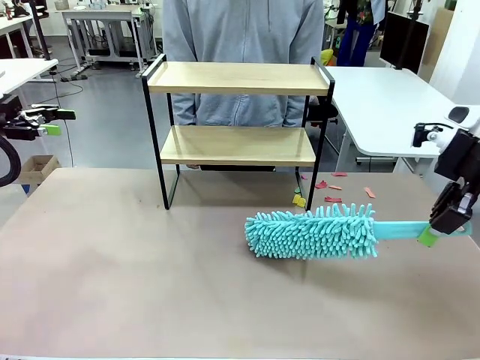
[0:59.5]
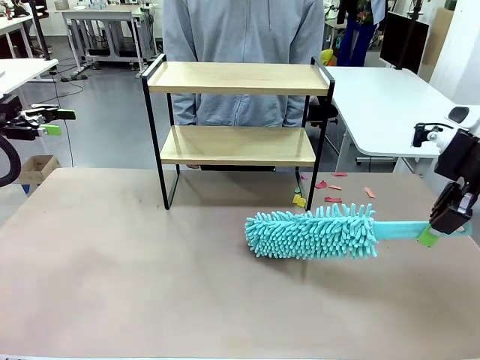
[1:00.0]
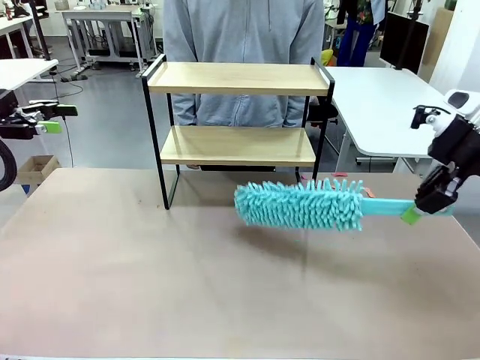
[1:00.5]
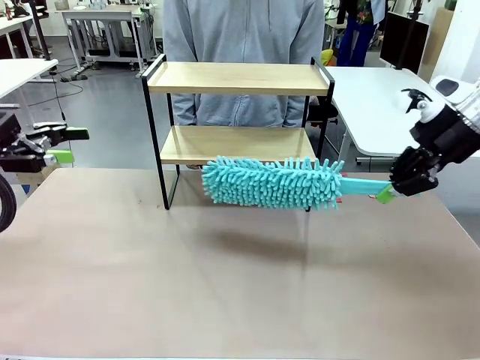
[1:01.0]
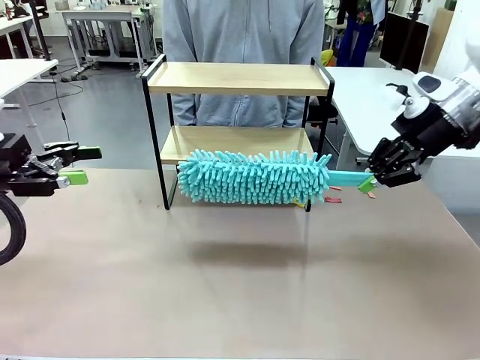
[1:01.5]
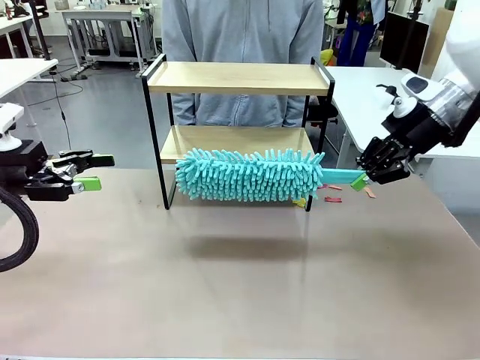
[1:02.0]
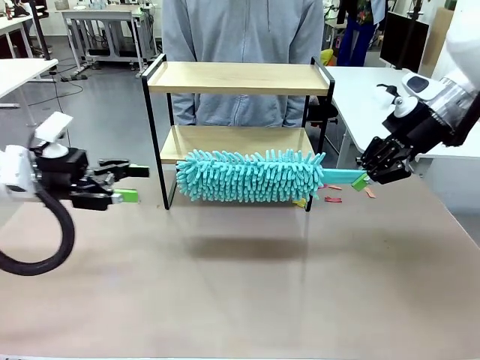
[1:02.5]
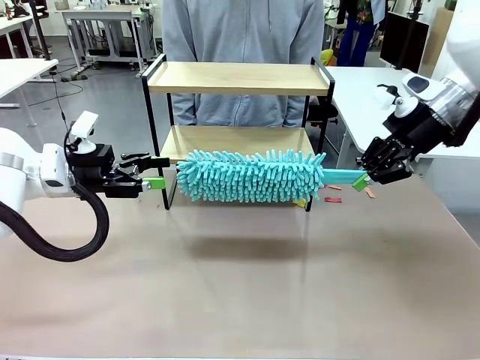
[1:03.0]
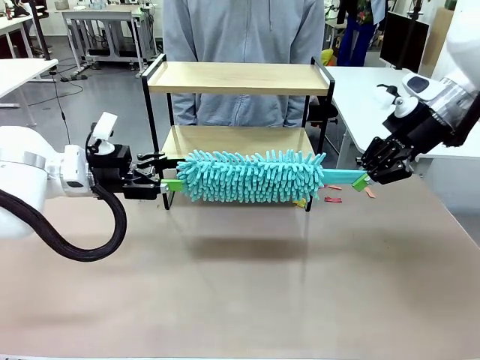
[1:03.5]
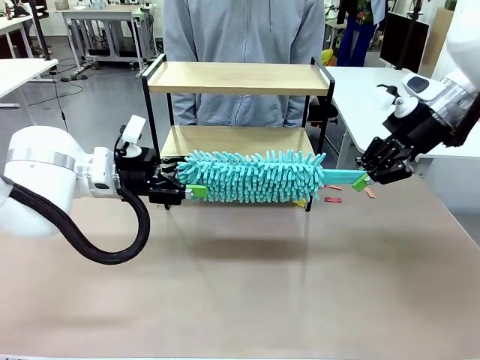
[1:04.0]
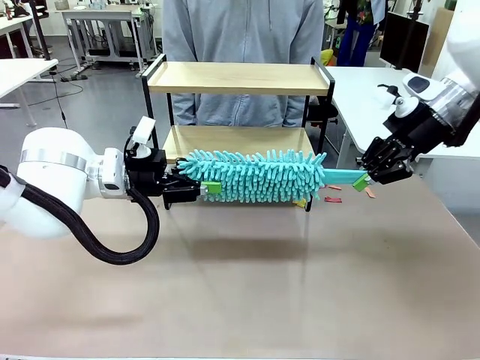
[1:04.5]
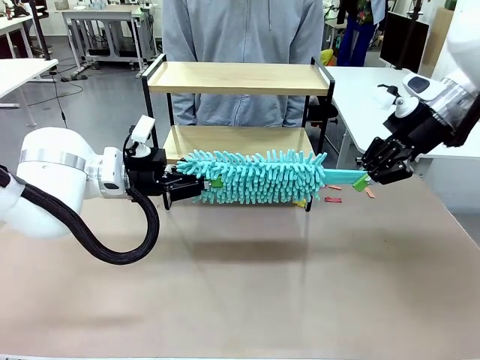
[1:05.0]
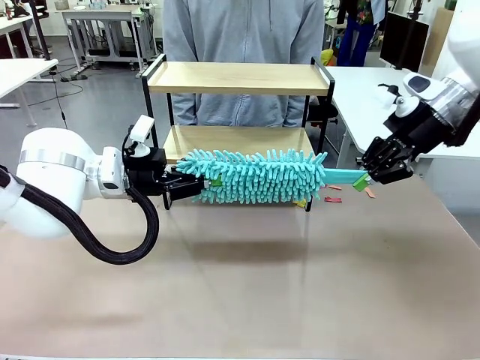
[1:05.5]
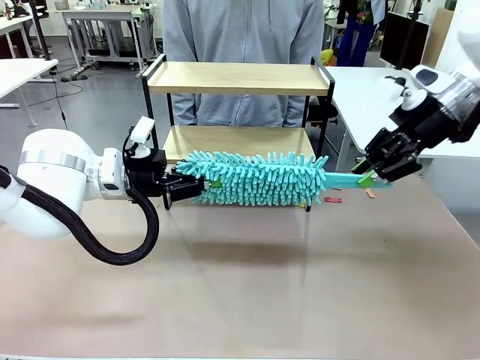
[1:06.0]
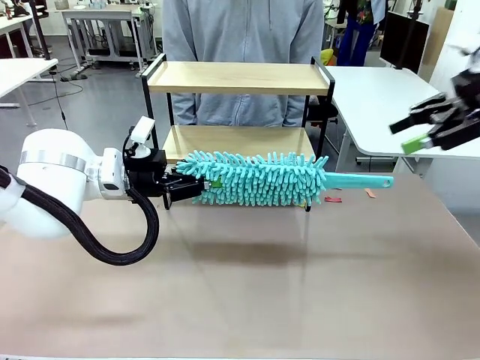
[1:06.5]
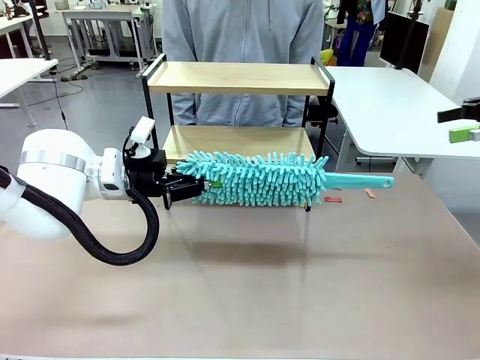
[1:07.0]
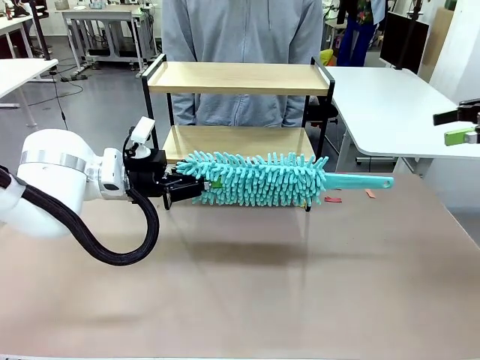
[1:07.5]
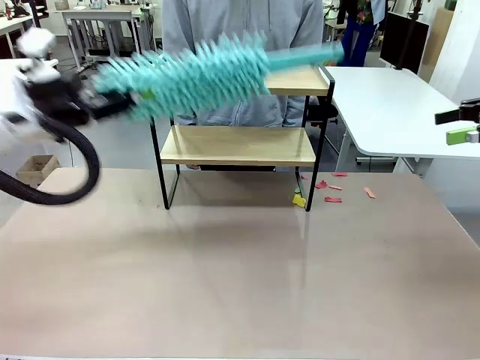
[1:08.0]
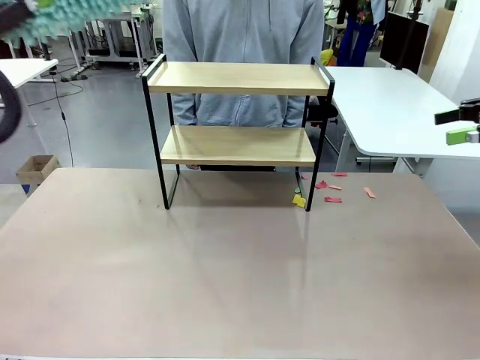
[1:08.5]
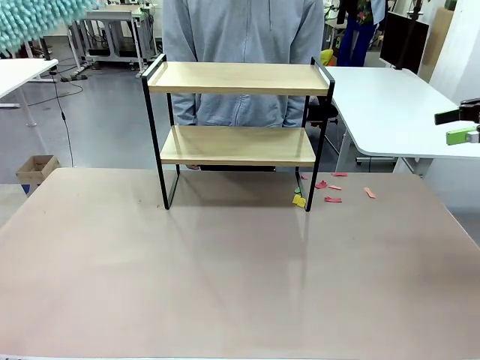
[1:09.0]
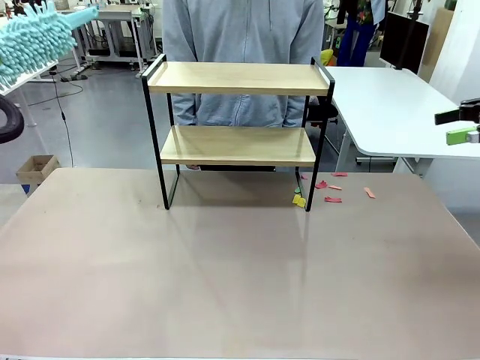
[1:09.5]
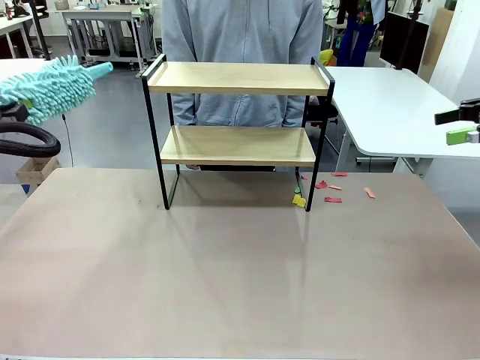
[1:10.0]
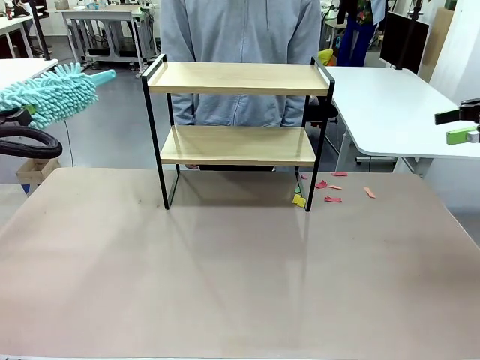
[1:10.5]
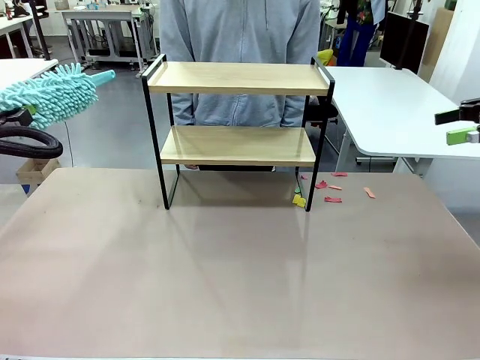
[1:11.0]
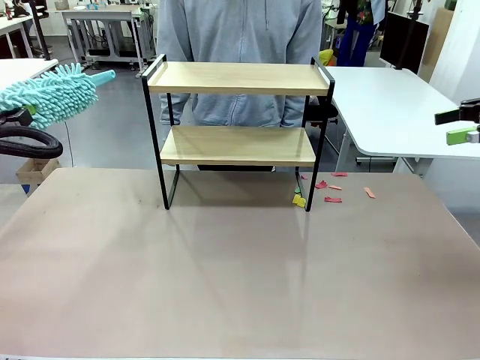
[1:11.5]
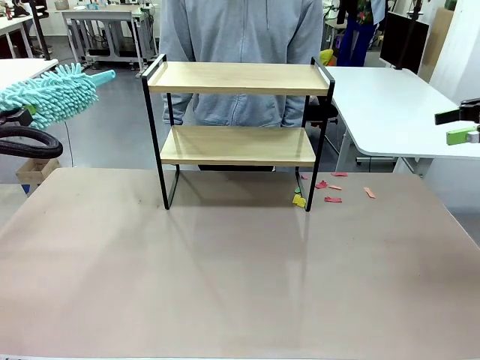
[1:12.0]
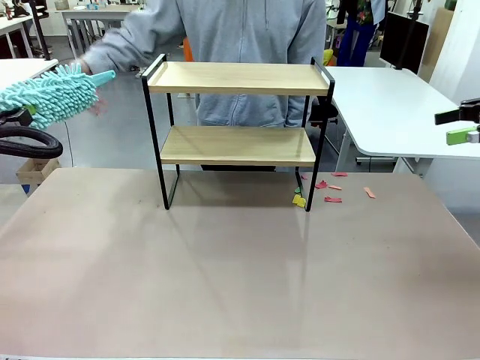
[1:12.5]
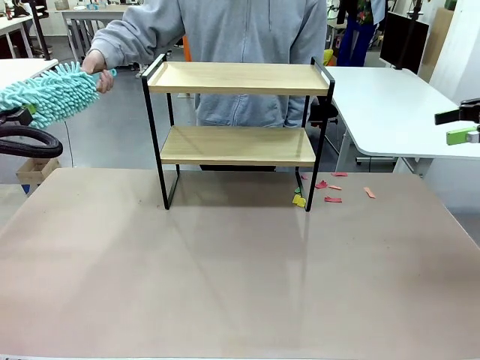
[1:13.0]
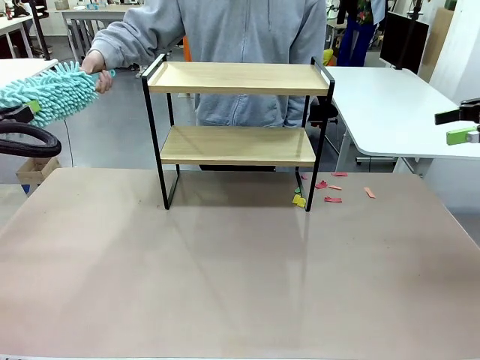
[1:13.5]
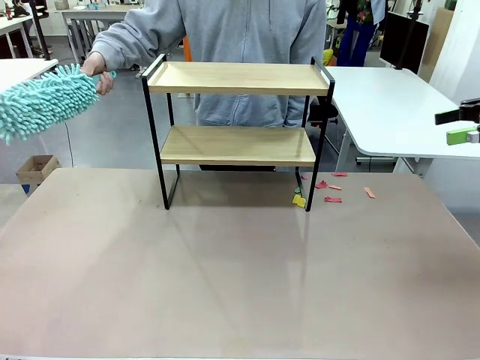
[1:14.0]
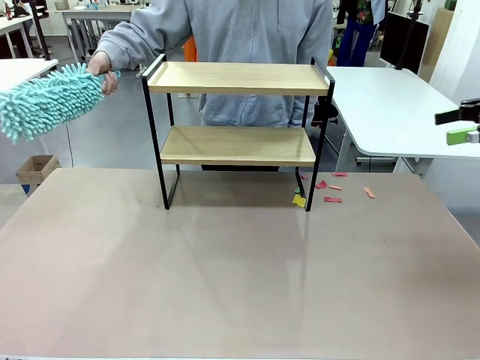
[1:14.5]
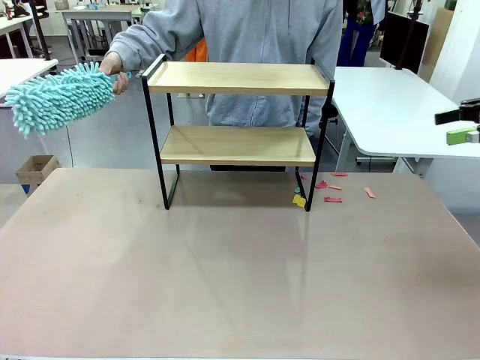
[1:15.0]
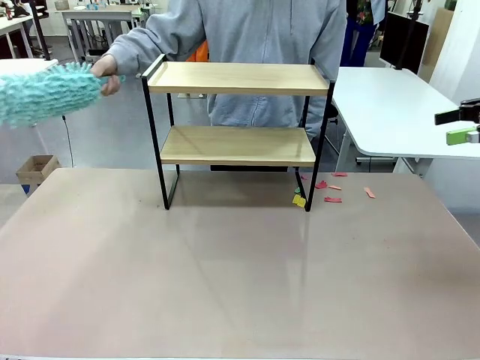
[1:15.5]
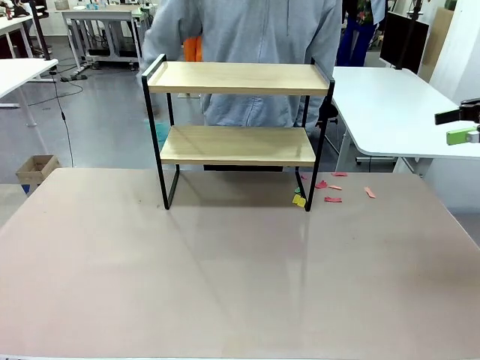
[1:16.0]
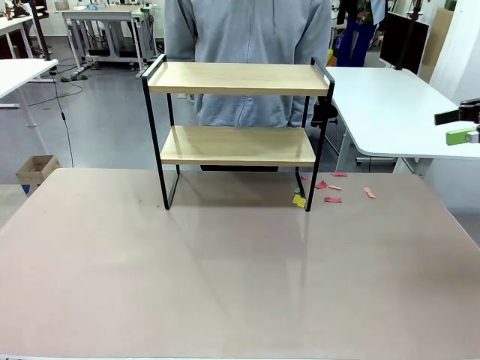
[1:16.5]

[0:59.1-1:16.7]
Task: Clean the shelf.
Robot: Hand the Duster back to the human.
Person: Receive the Duster from the robot.

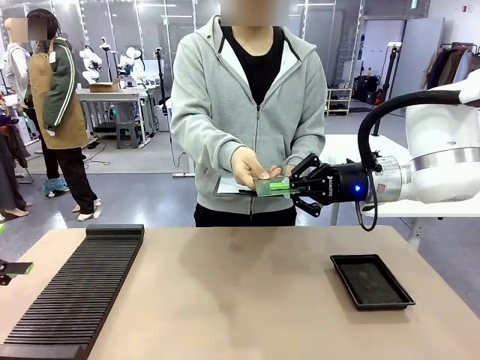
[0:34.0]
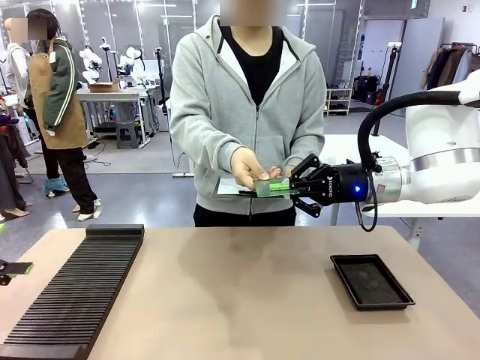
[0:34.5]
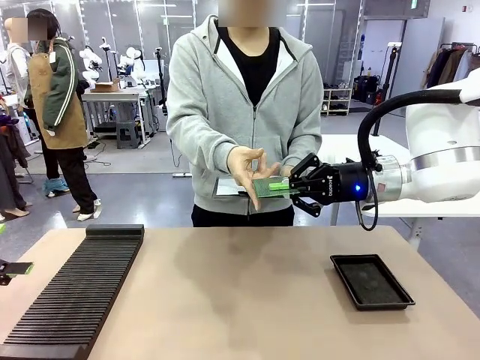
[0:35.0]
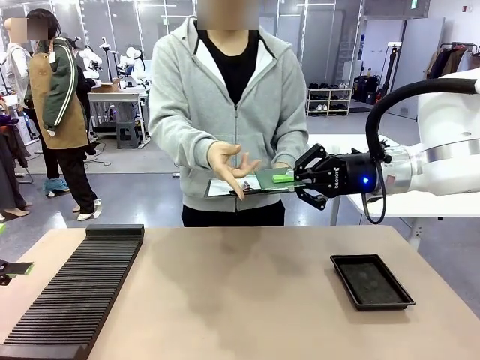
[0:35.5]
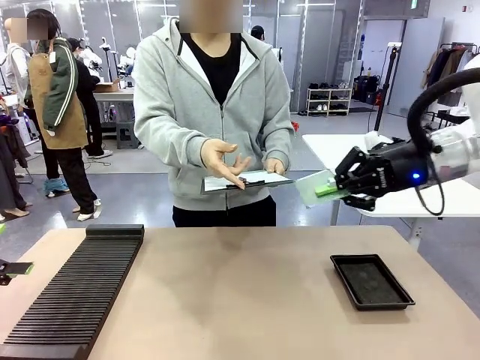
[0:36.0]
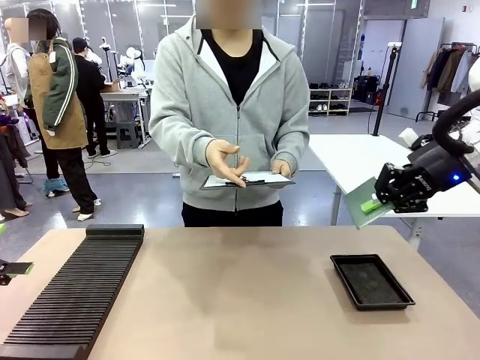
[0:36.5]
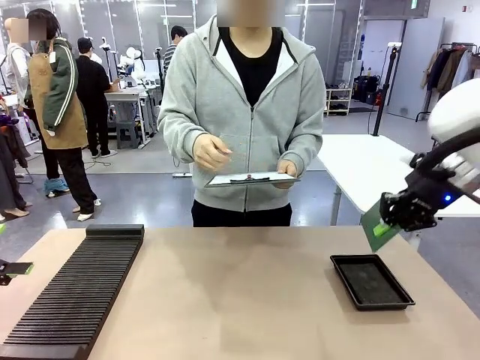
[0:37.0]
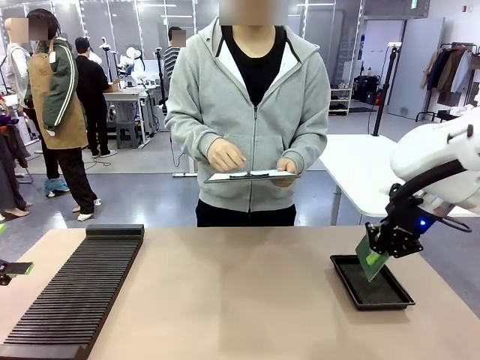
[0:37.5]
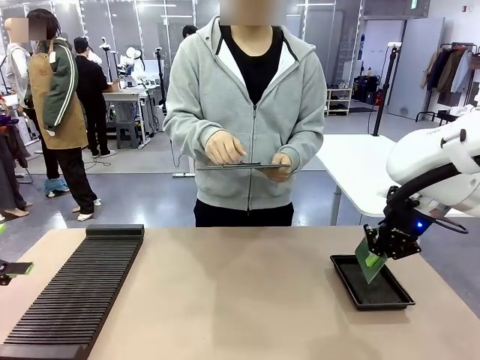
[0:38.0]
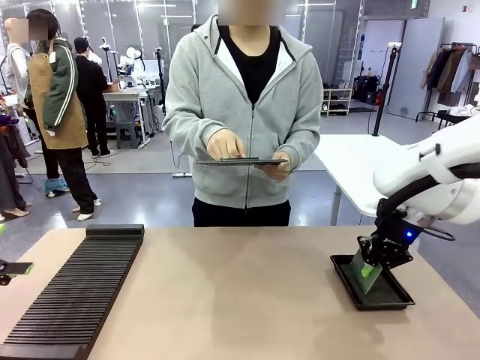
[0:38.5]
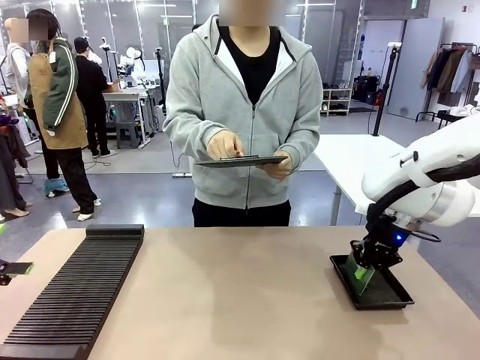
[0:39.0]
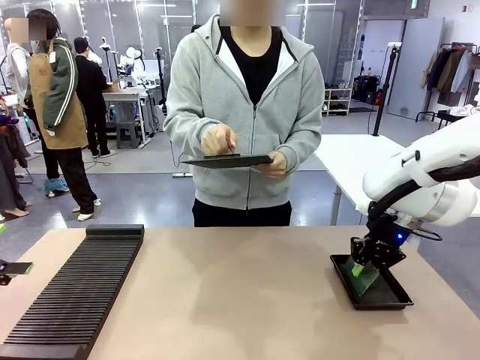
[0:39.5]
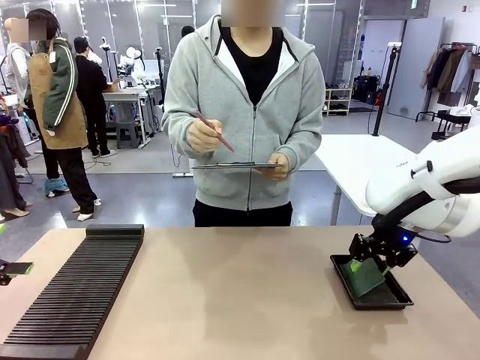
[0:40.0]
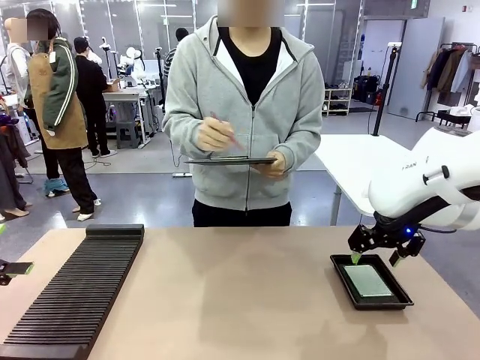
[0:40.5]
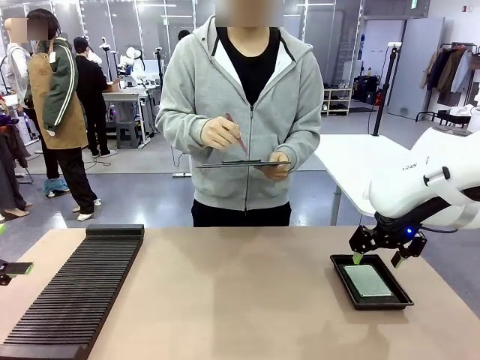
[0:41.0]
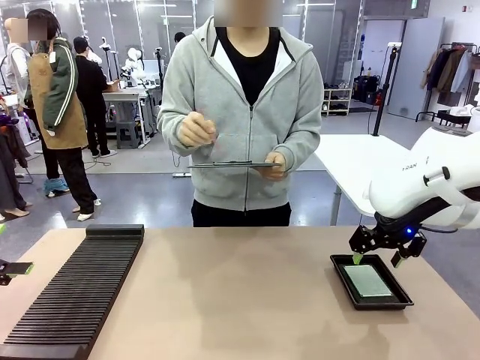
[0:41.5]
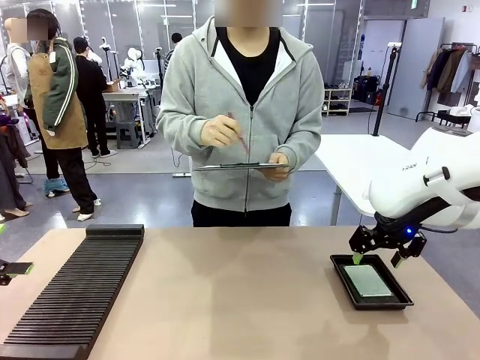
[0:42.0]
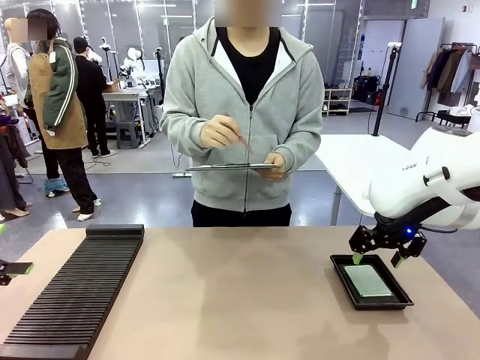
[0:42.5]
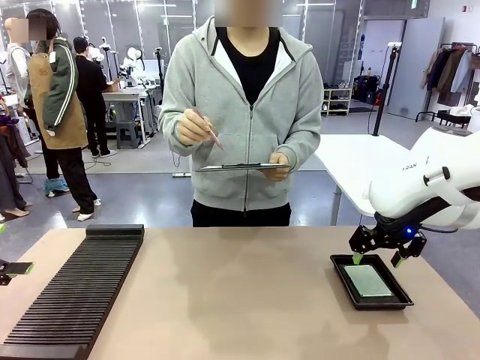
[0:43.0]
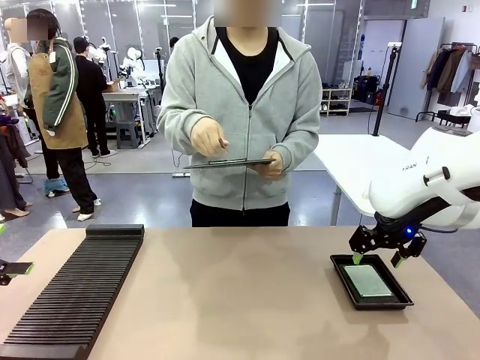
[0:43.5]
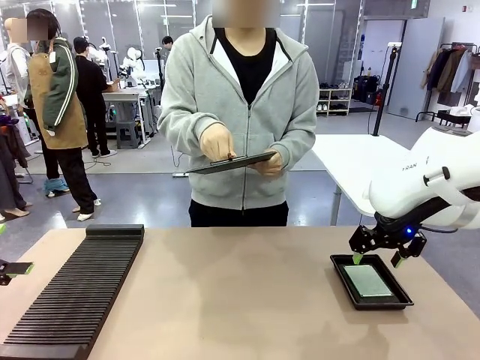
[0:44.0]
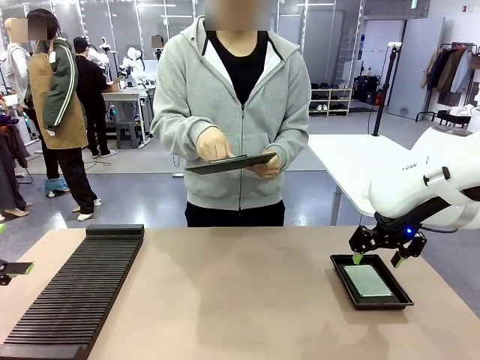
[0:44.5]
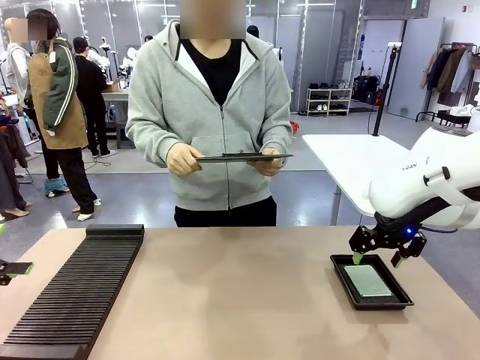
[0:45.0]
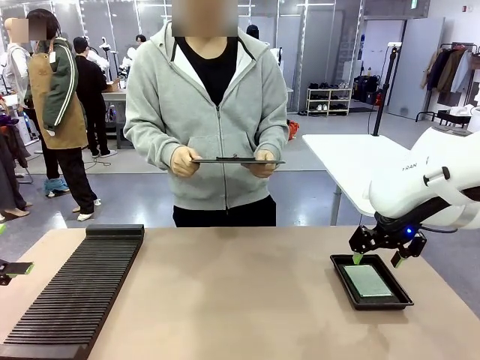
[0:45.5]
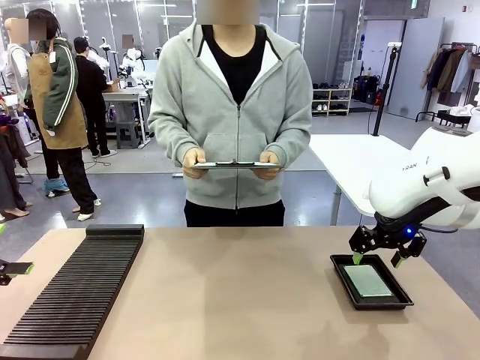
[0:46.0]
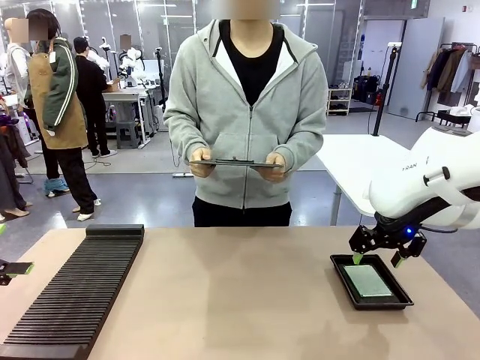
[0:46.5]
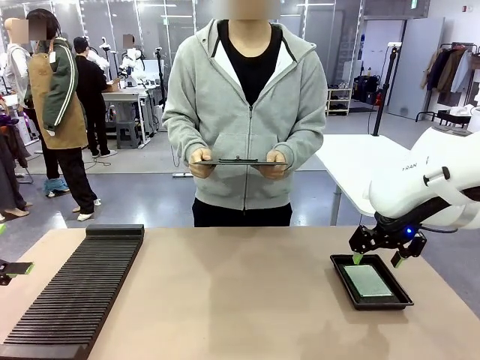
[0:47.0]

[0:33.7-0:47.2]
Task: Inspect the PCB.
Robot: Place the Blank PCB in the ESD tray.
Person: Record the PCB status on the paper.
